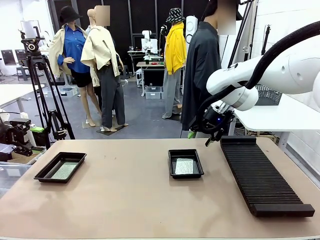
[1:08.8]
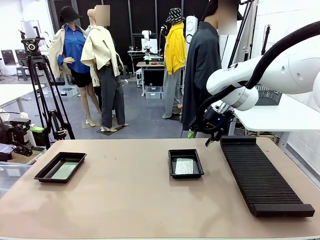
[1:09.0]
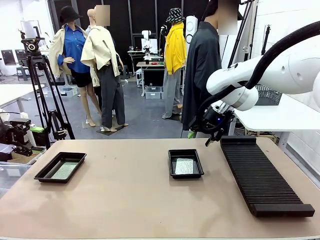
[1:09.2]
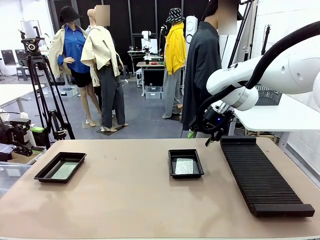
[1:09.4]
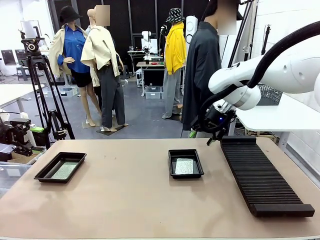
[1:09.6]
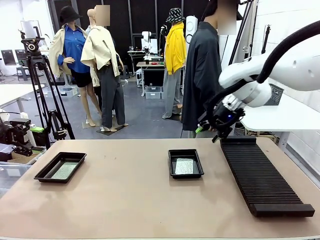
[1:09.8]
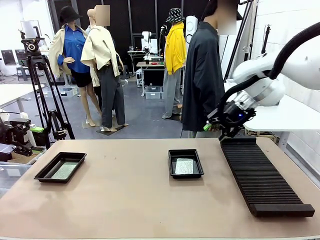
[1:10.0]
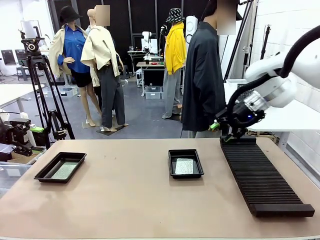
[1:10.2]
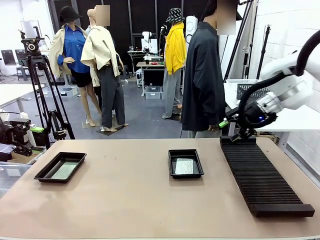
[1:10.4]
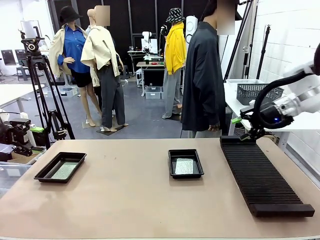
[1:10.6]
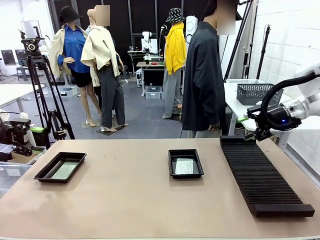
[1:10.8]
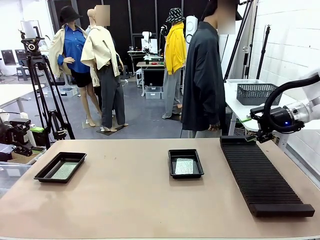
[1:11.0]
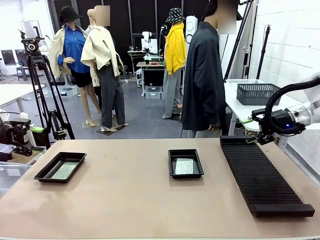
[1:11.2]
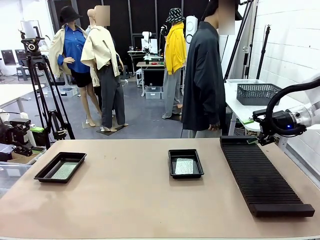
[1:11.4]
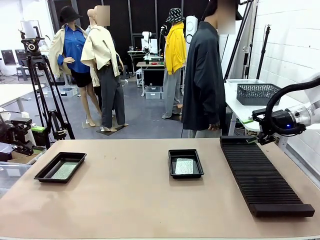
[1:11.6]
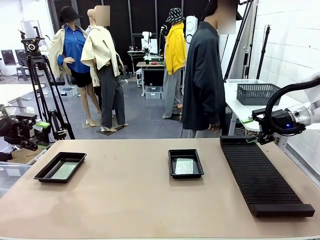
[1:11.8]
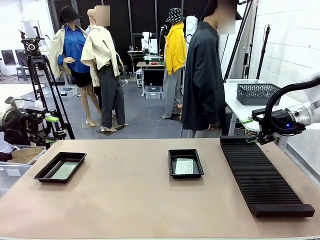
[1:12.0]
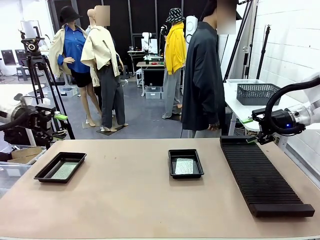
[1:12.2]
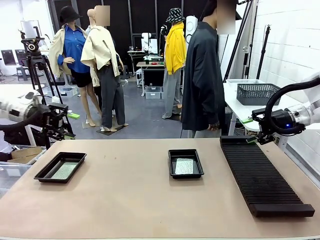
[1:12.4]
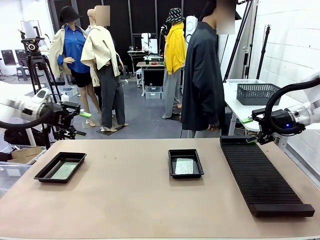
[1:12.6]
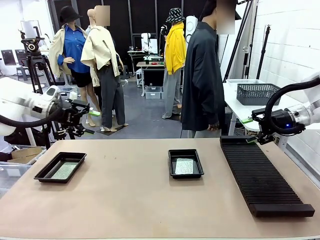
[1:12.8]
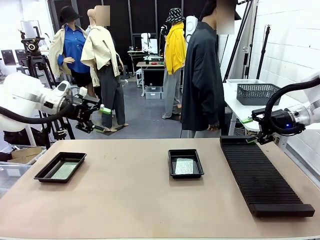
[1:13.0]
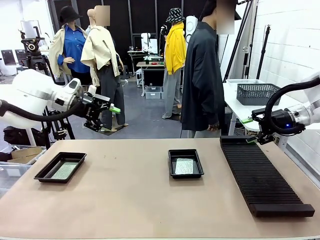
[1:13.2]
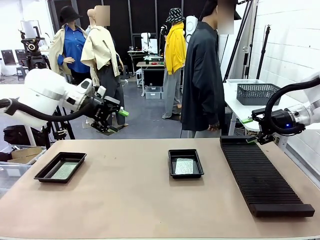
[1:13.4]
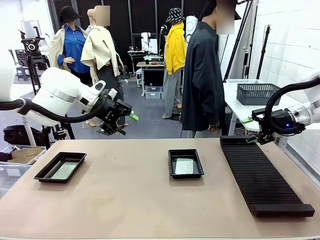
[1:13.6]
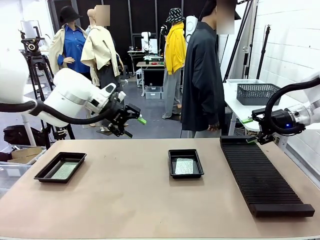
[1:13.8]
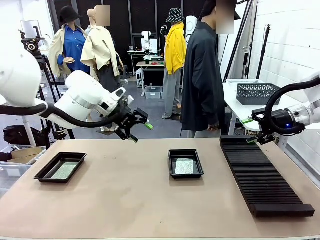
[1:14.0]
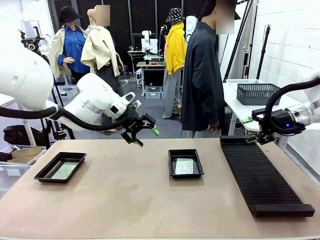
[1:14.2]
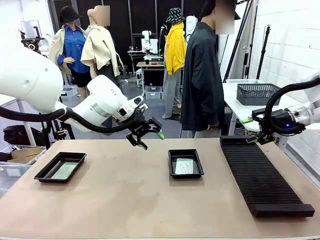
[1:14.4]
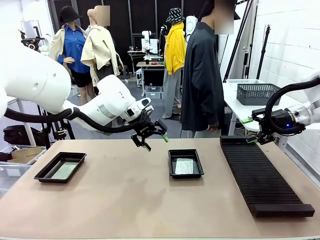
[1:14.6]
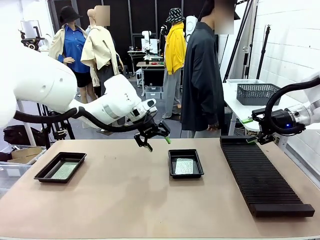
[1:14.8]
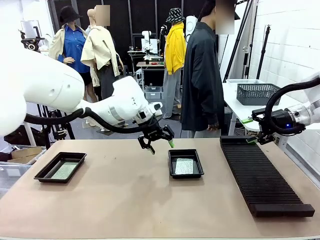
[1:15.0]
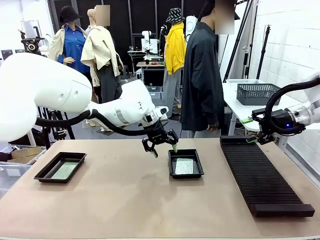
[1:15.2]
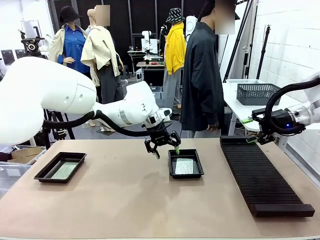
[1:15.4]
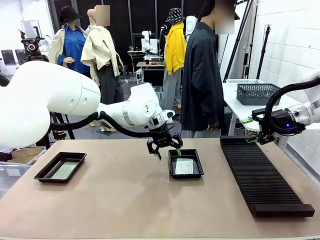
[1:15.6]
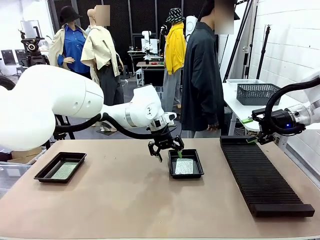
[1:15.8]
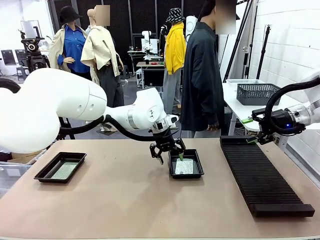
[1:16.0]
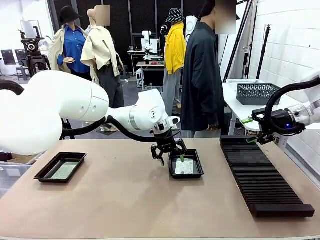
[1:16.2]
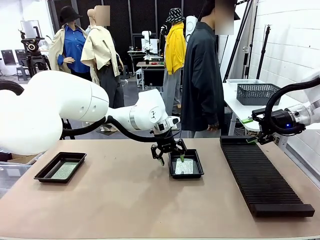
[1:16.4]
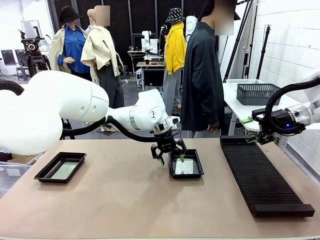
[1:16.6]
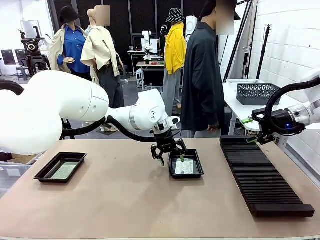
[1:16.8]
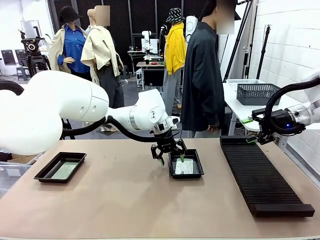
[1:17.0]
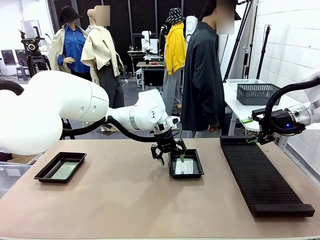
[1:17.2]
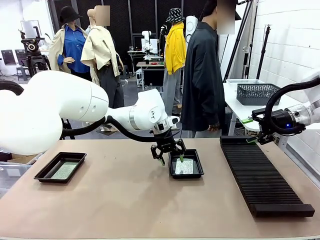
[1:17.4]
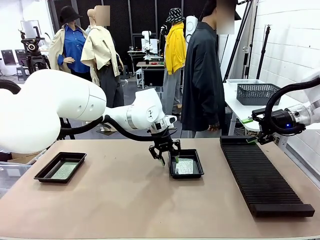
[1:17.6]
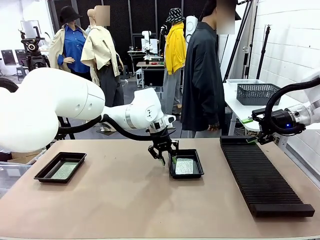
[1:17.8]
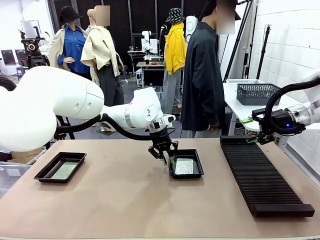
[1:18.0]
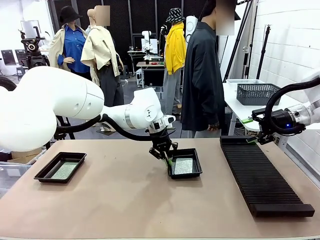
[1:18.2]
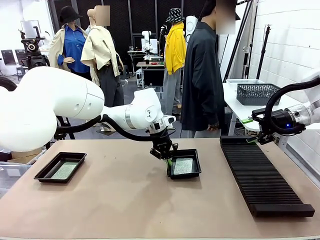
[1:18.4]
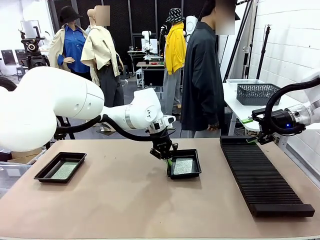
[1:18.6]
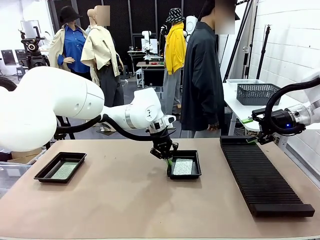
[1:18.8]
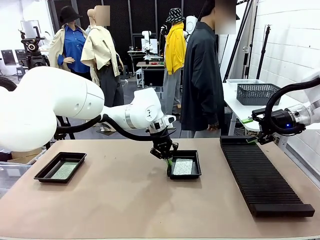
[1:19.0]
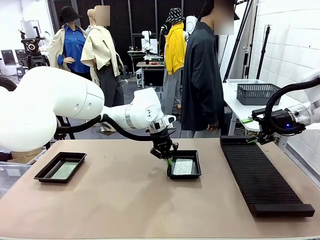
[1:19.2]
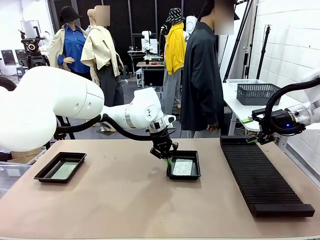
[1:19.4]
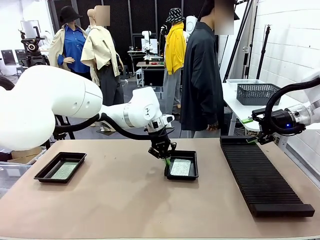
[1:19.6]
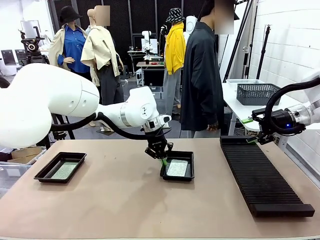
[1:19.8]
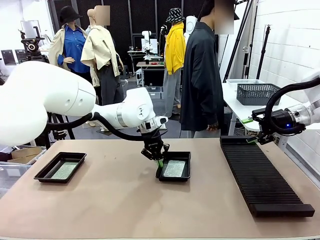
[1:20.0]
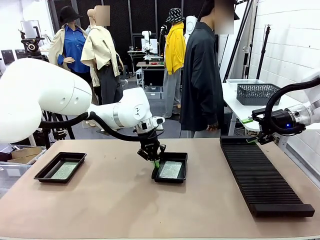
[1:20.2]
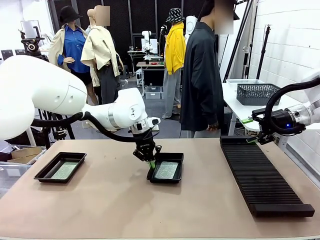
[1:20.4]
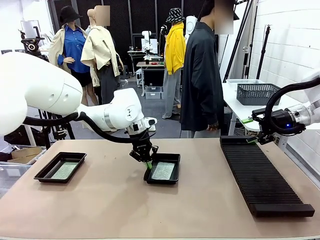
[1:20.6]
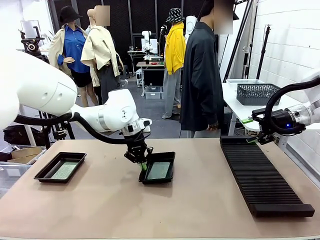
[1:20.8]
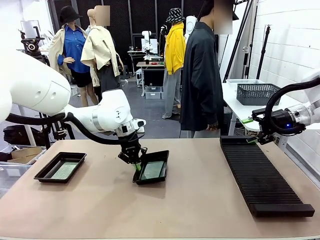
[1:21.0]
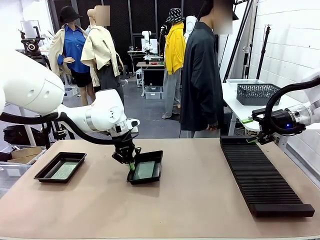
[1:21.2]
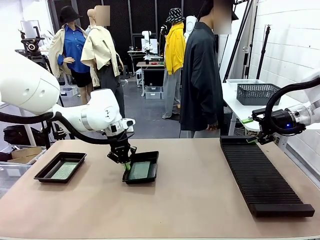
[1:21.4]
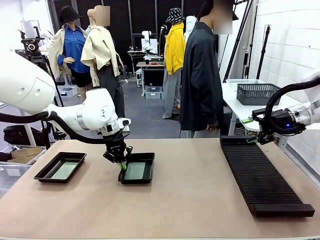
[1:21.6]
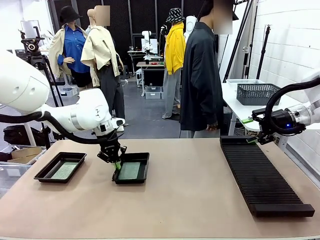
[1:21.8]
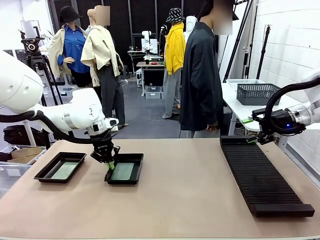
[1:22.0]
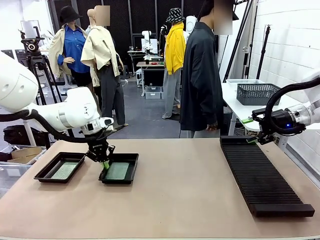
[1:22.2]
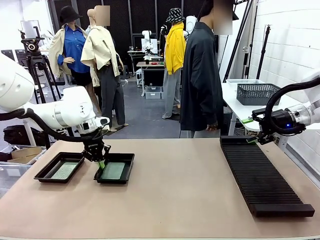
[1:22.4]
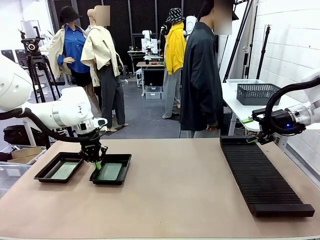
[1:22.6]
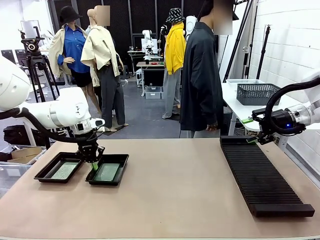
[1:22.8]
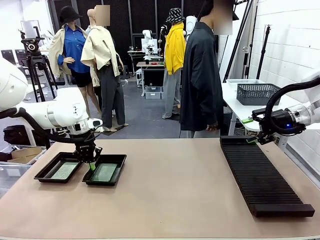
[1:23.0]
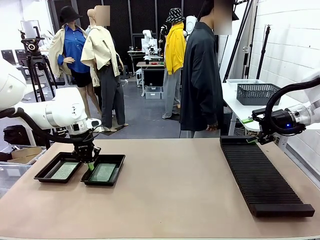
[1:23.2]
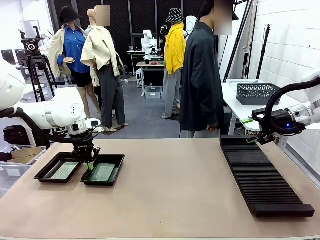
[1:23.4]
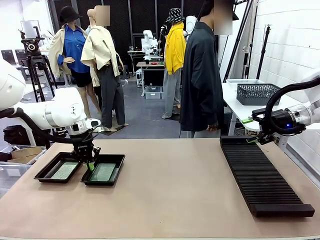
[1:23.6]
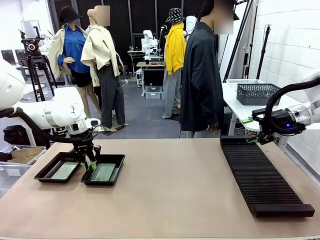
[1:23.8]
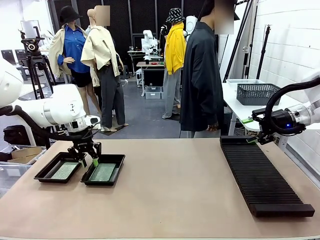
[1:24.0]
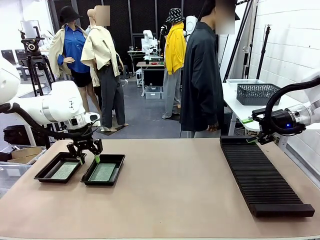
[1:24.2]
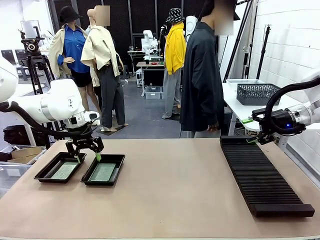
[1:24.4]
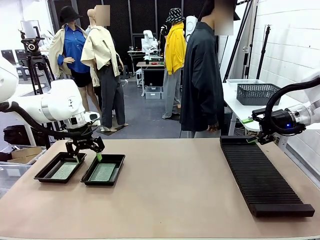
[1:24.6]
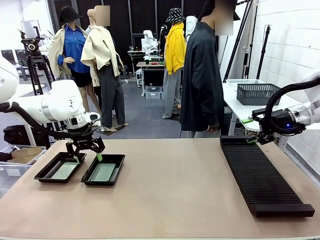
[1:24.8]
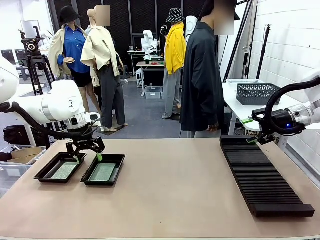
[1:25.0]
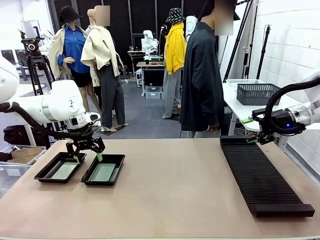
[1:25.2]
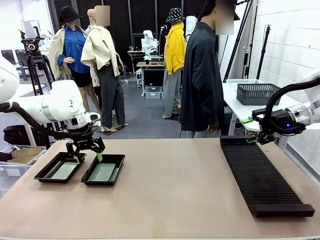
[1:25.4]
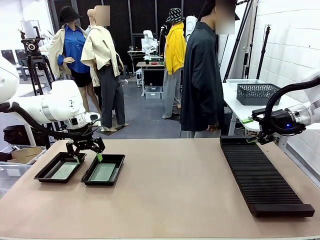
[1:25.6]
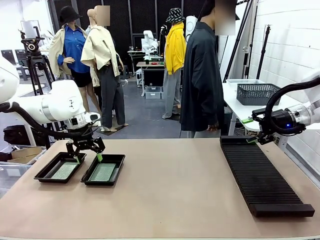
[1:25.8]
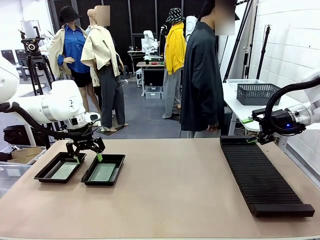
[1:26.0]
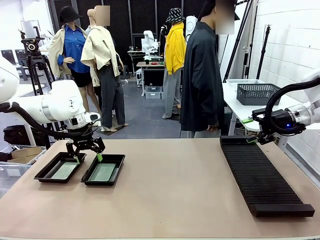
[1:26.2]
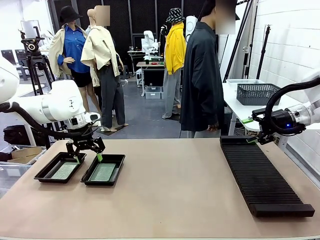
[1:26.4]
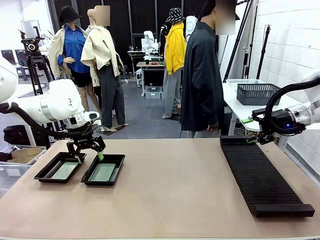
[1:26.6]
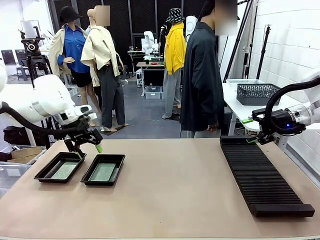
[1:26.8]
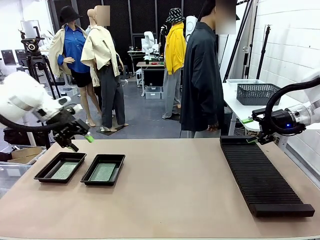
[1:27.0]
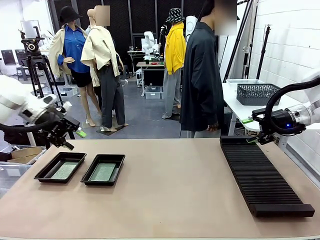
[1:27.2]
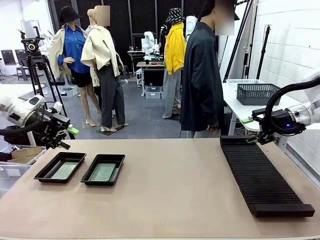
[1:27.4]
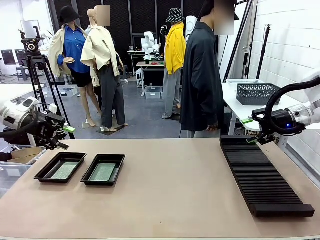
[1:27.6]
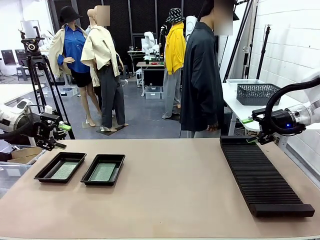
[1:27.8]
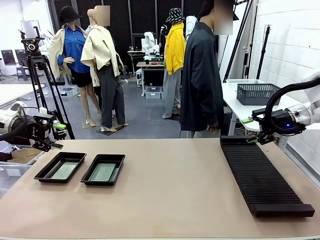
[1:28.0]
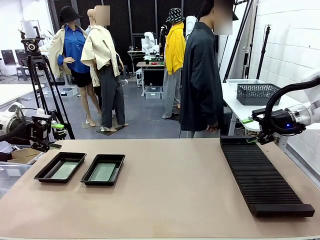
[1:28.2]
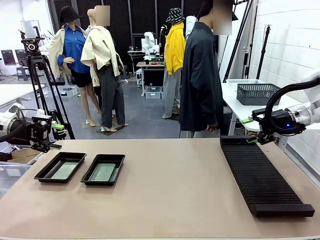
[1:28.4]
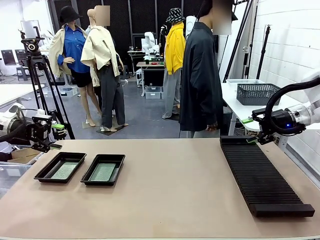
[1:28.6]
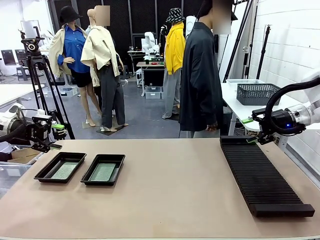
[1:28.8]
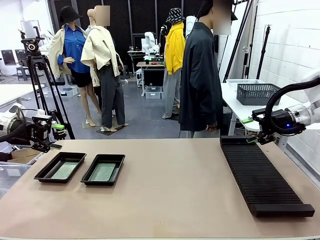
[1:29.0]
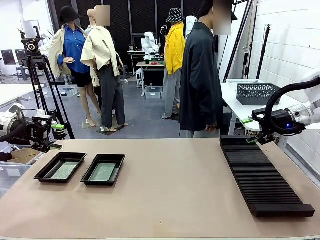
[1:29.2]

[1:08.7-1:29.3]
Task: Inspect and transfer BCBs to ESD trays.
Robot: Pick up the ESD tray and place it on the left side of the table.
